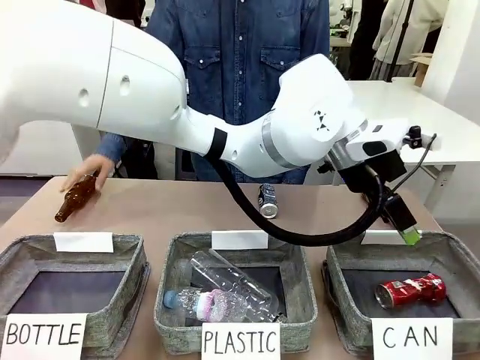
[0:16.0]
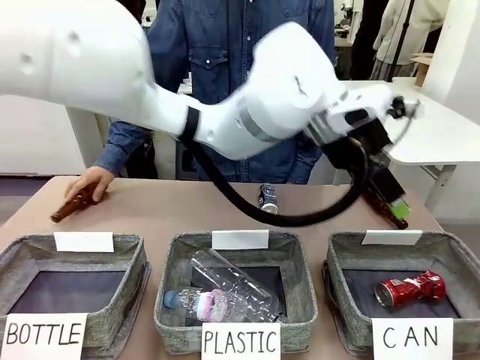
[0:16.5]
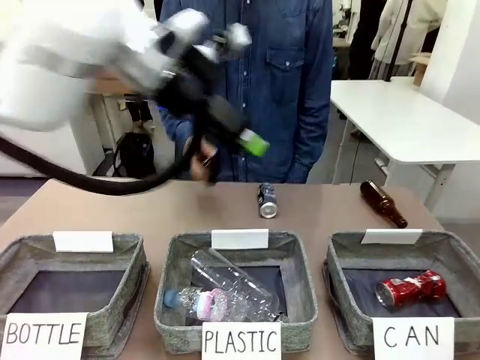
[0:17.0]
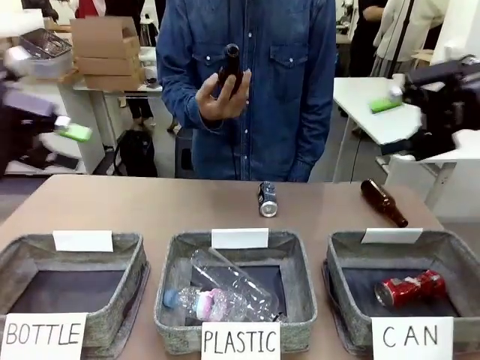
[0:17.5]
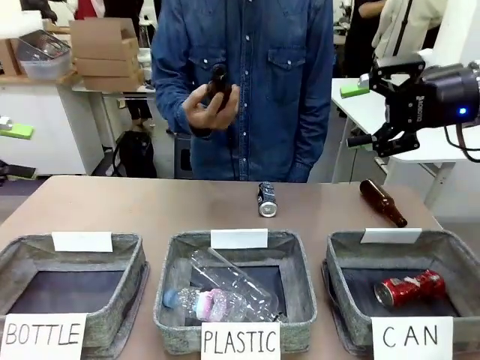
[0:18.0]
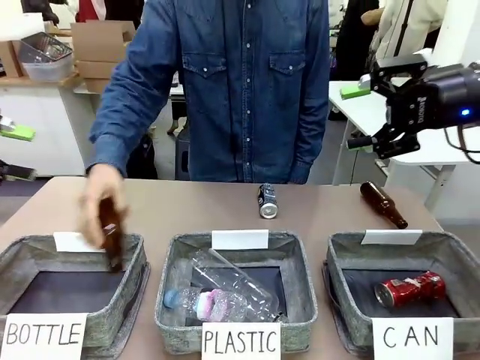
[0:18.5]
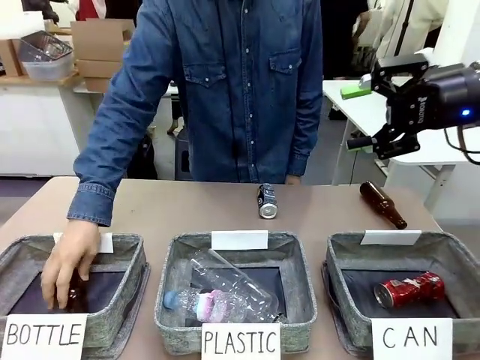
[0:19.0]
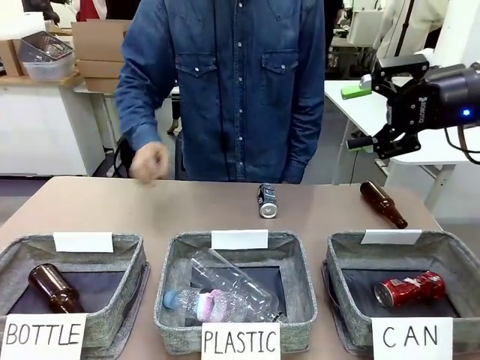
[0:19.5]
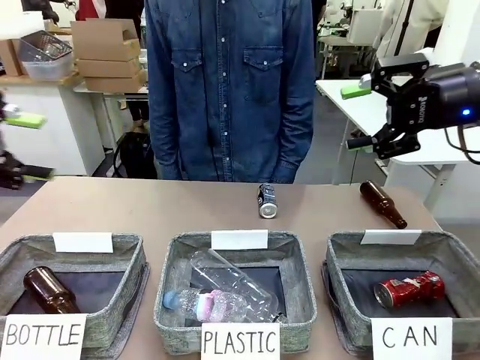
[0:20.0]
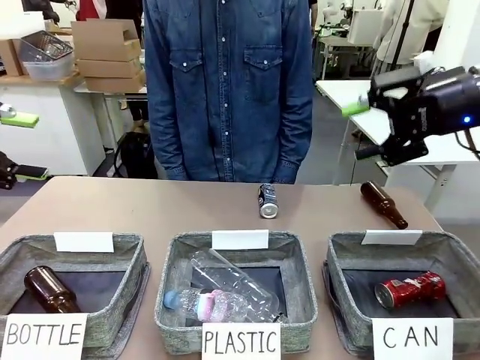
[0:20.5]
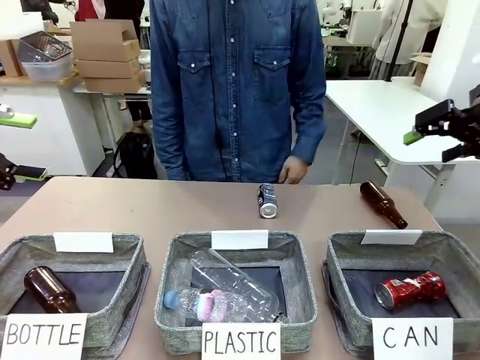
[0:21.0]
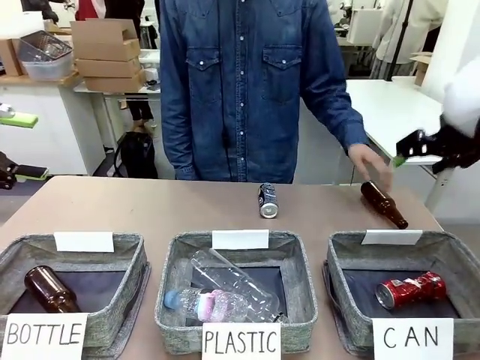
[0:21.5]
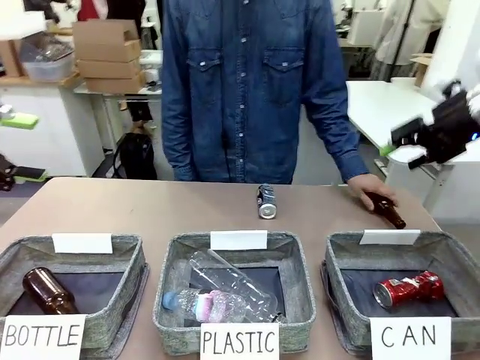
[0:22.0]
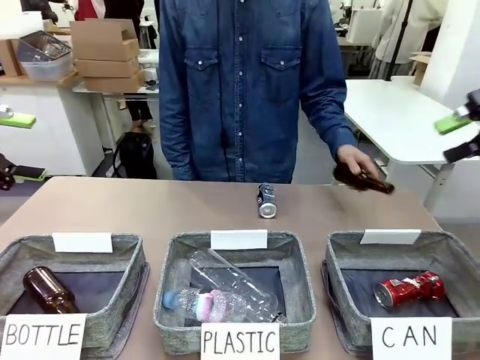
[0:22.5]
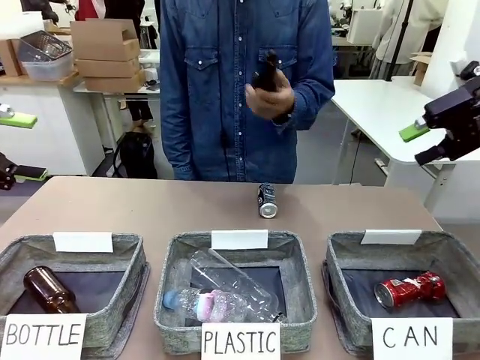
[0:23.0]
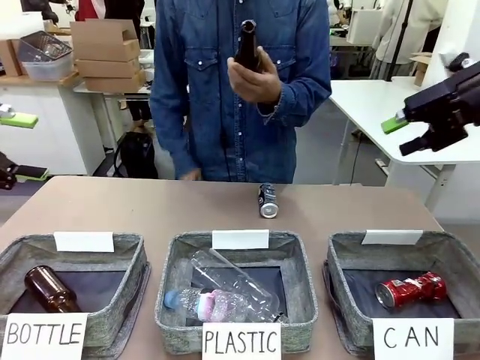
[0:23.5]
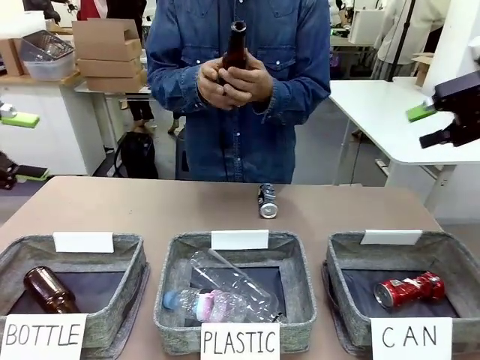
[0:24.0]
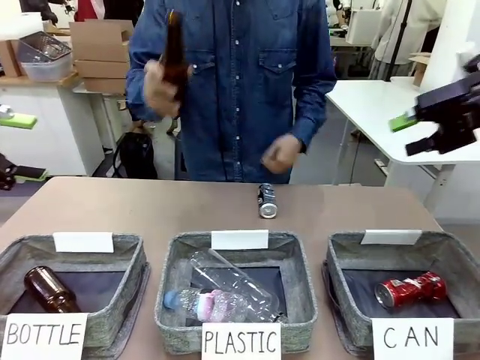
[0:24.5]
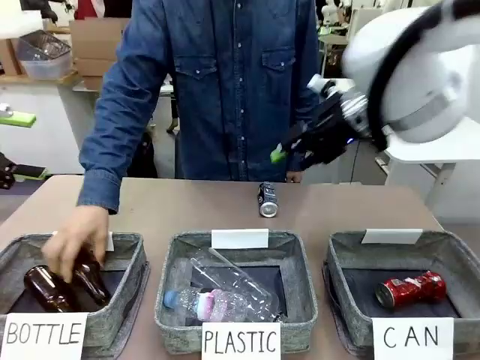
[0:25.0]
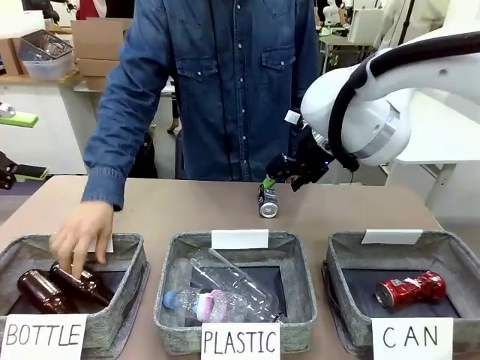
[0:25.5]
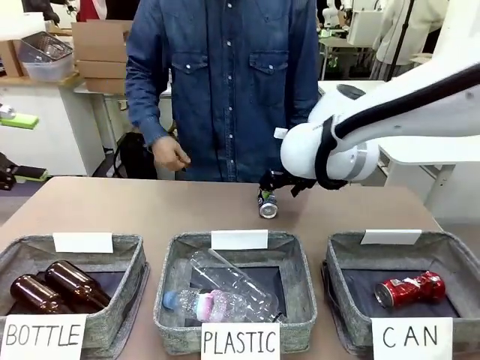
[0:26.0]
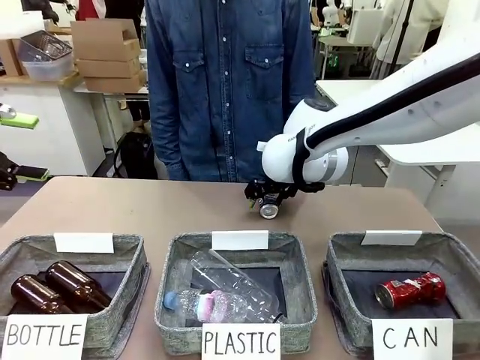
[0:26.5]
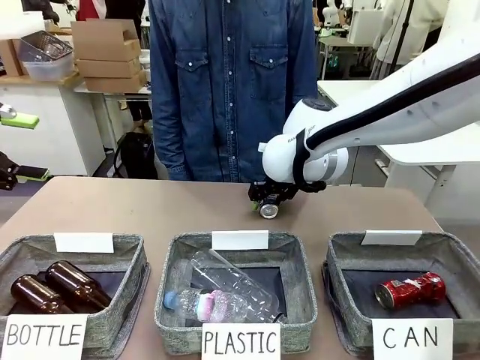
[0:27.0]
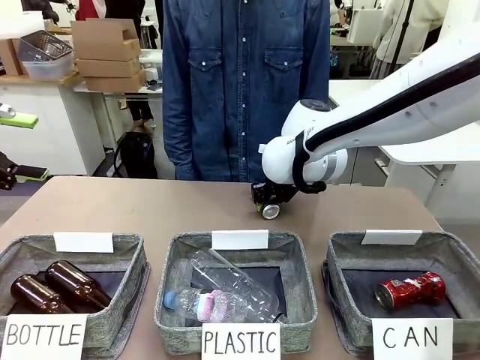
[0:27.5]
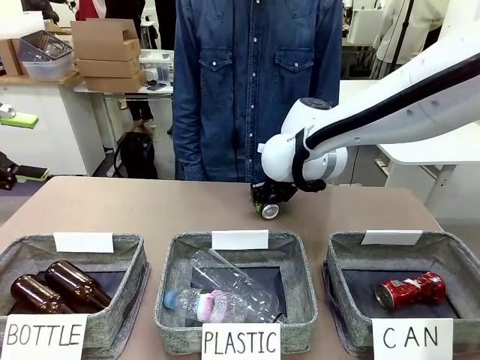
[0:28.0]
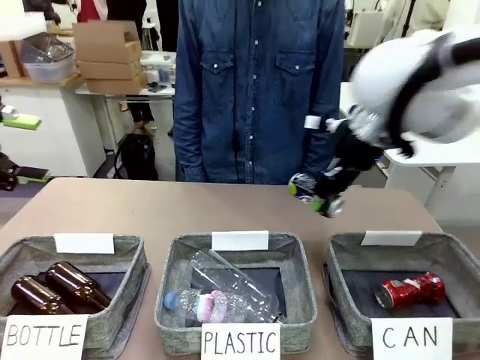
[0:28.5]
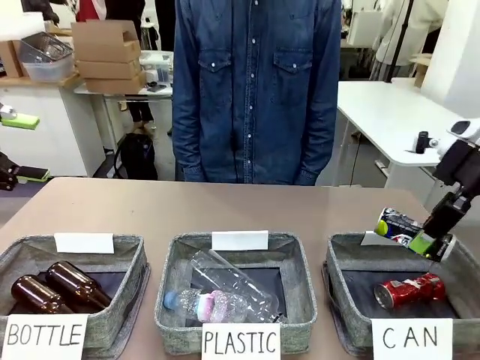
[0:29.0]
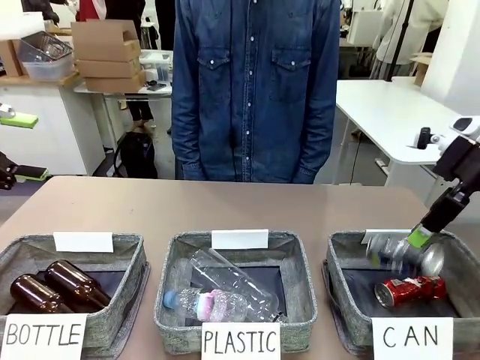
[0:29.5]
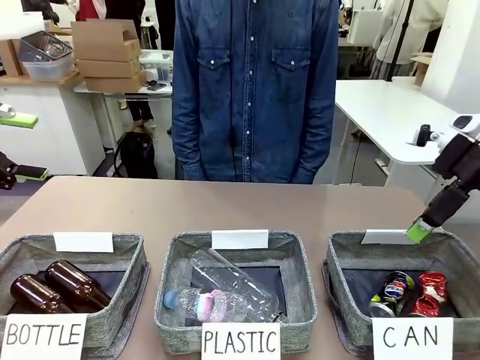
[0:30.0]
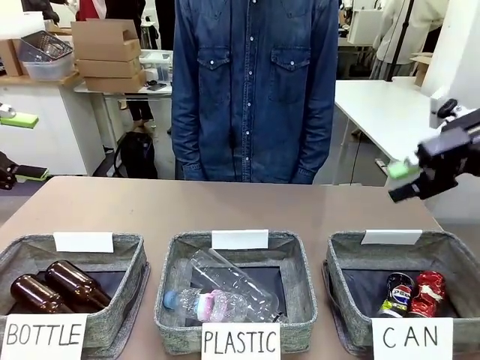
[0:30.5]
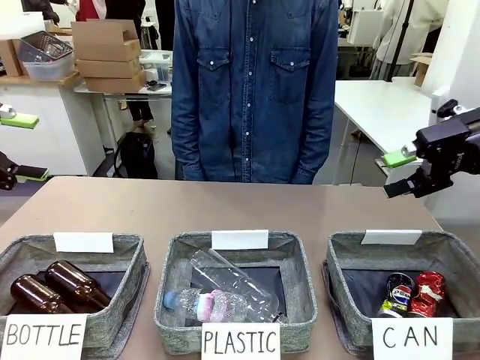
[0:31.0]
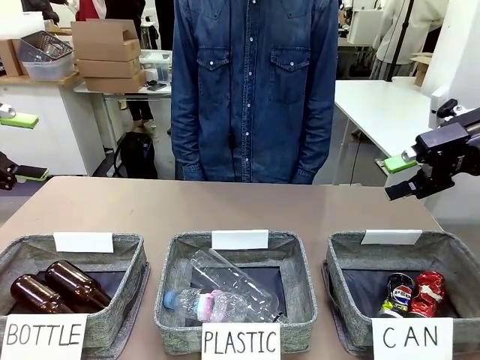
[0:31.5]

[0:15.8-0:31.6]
Task: Sort the can waste into the basket.
Robot: Pick up the can waste from the table and place it in the right Fabric basket.
